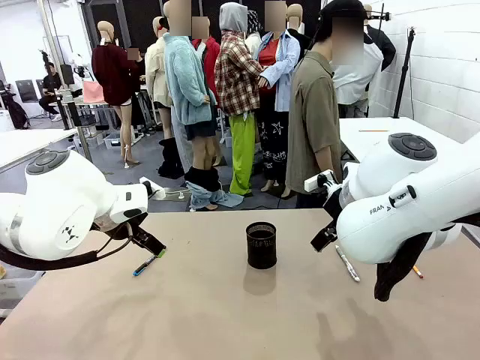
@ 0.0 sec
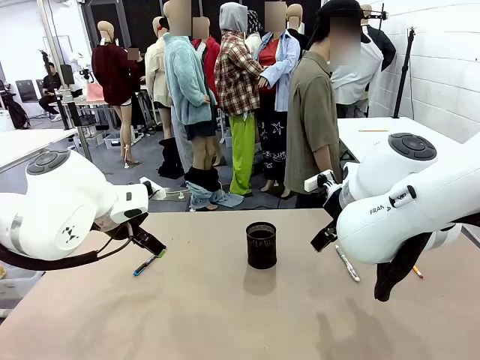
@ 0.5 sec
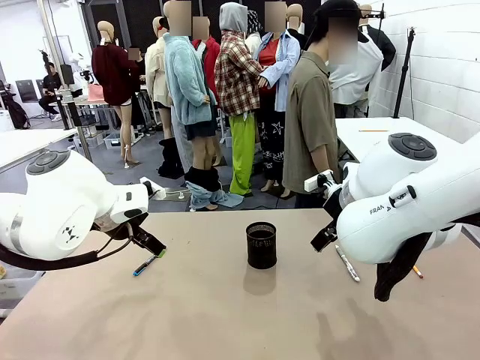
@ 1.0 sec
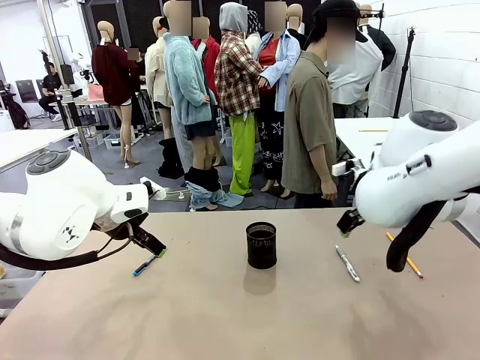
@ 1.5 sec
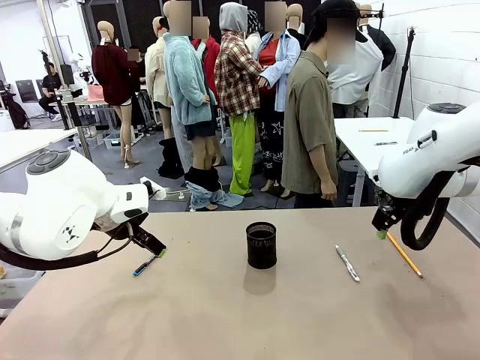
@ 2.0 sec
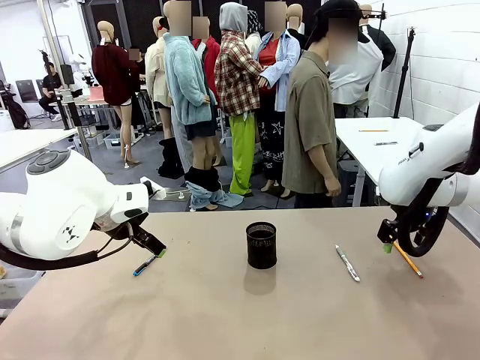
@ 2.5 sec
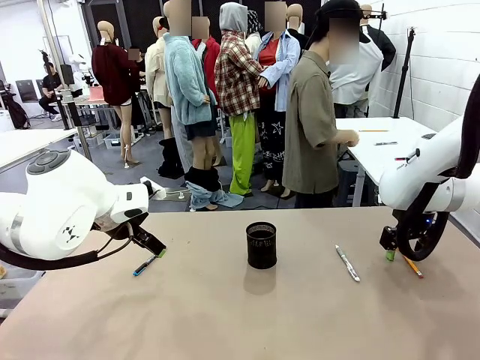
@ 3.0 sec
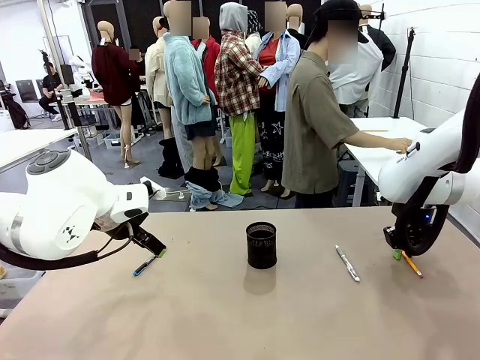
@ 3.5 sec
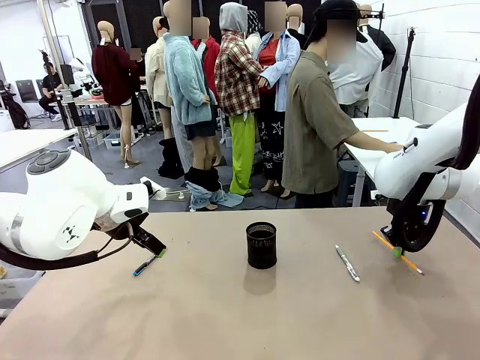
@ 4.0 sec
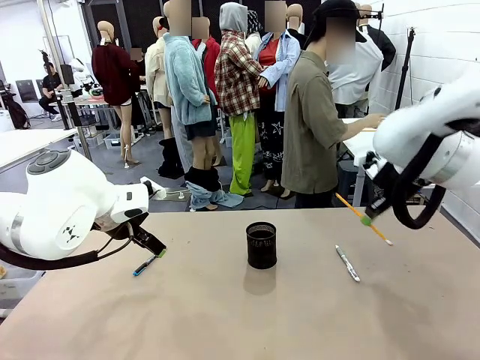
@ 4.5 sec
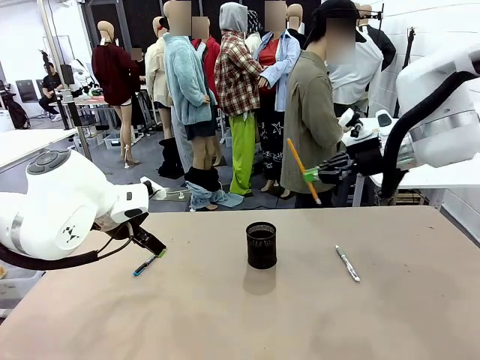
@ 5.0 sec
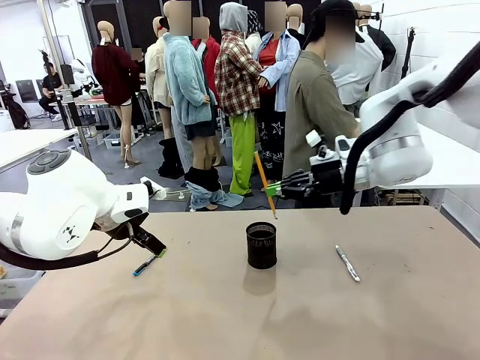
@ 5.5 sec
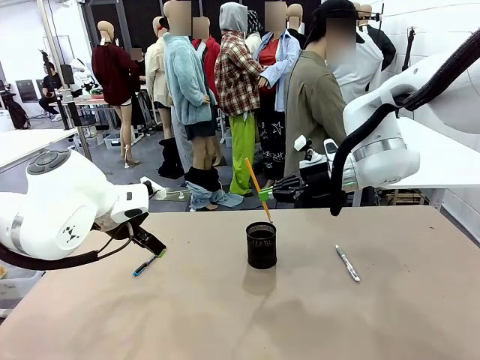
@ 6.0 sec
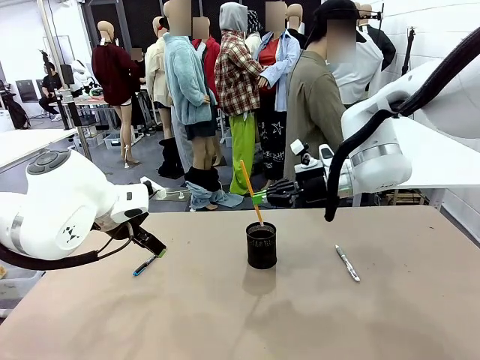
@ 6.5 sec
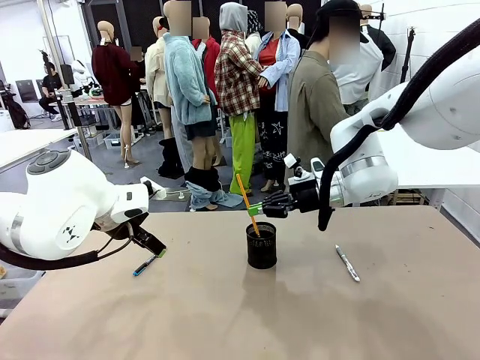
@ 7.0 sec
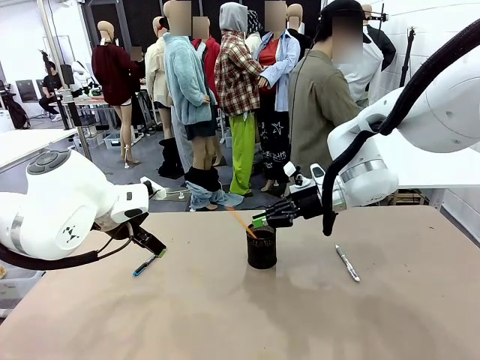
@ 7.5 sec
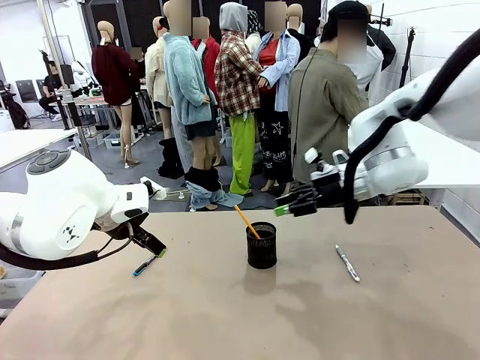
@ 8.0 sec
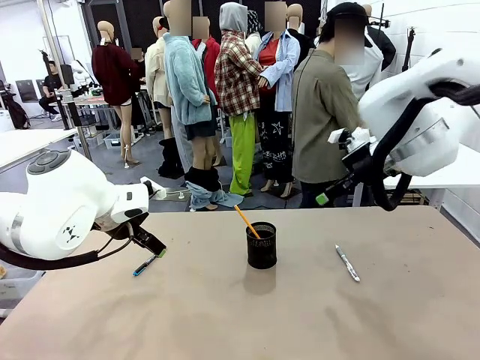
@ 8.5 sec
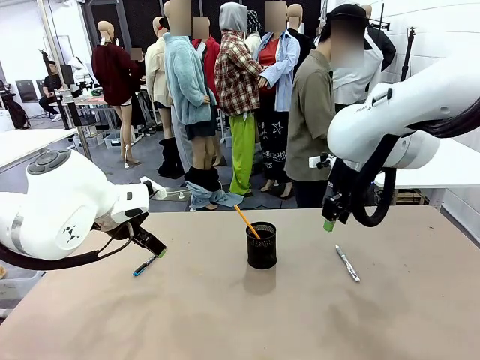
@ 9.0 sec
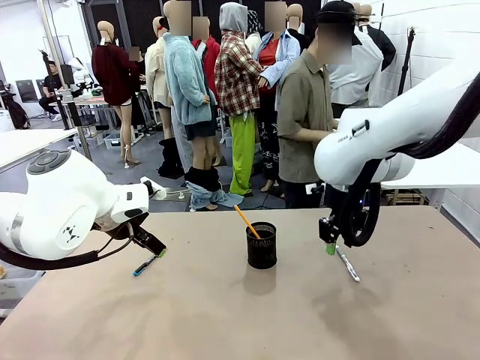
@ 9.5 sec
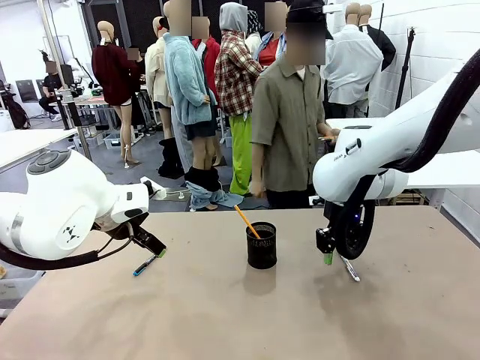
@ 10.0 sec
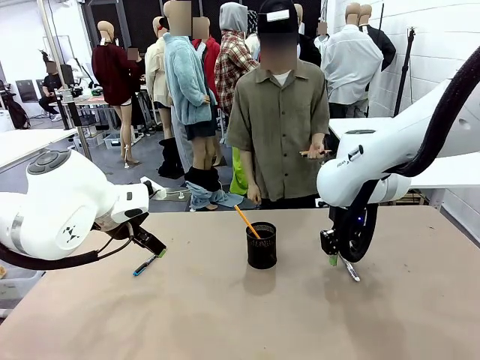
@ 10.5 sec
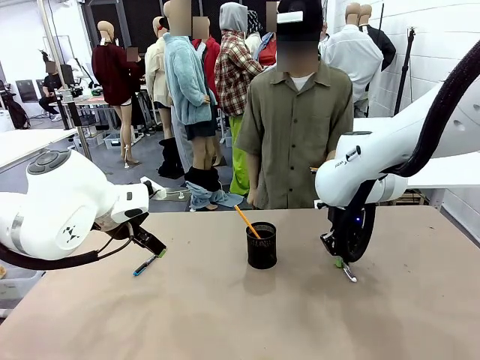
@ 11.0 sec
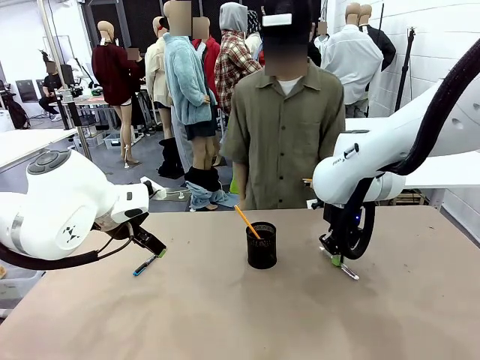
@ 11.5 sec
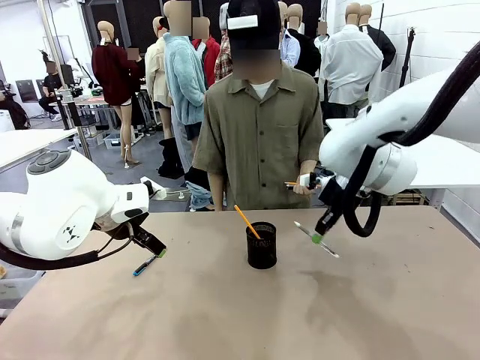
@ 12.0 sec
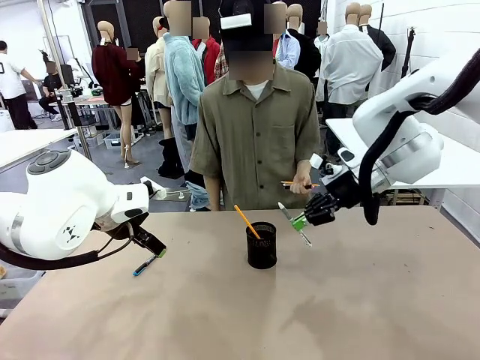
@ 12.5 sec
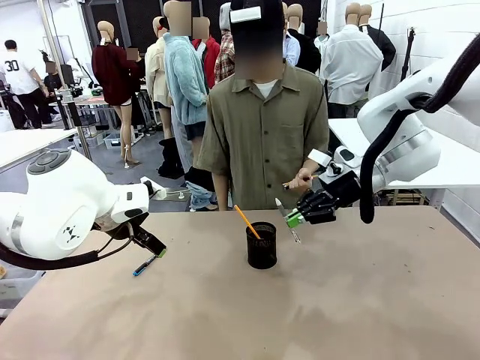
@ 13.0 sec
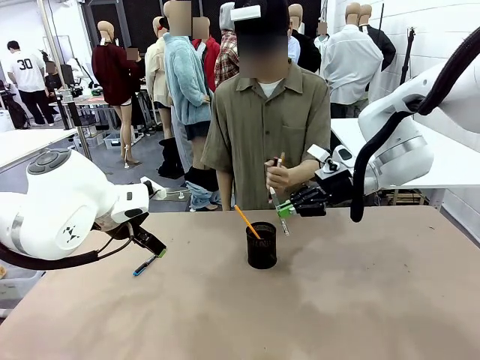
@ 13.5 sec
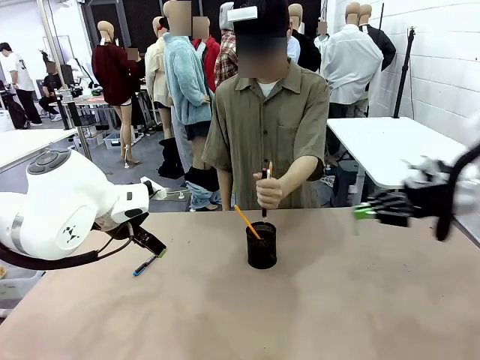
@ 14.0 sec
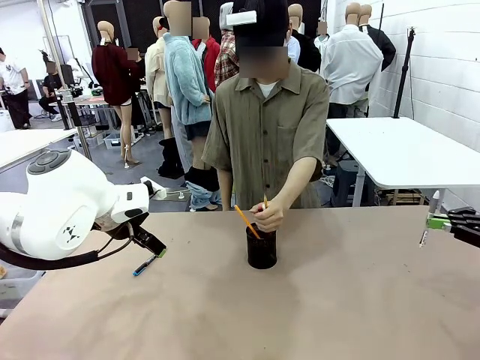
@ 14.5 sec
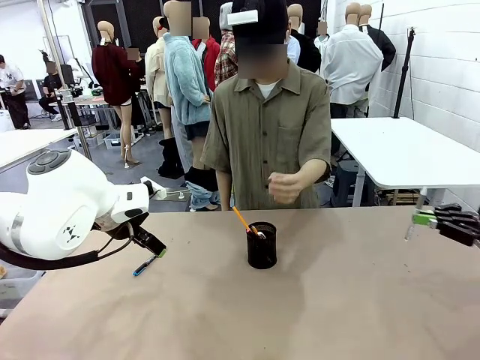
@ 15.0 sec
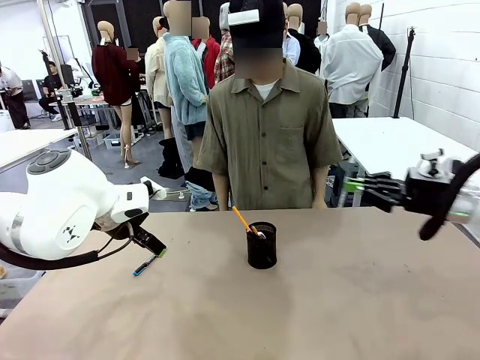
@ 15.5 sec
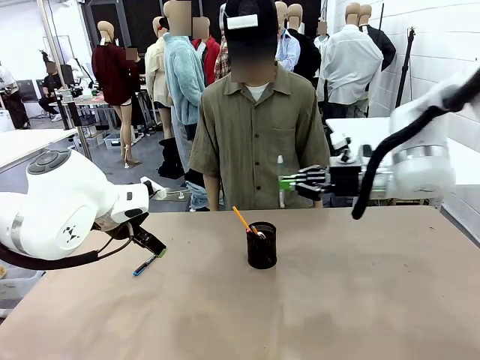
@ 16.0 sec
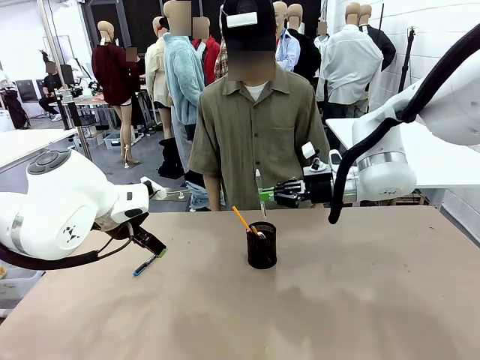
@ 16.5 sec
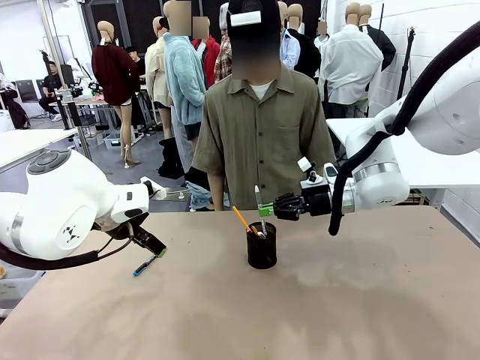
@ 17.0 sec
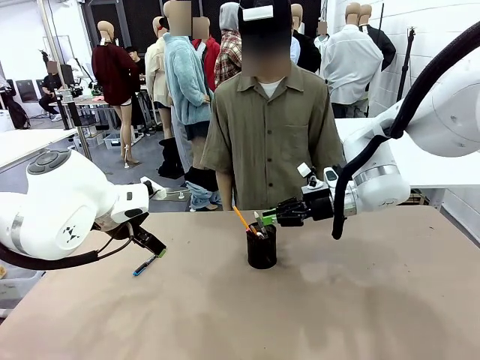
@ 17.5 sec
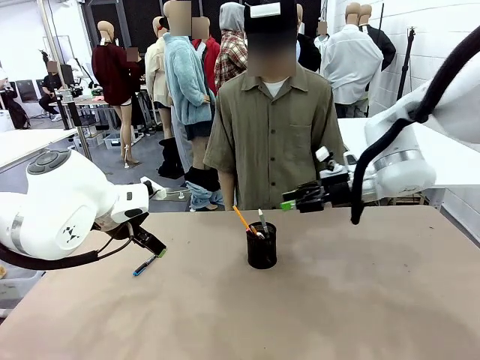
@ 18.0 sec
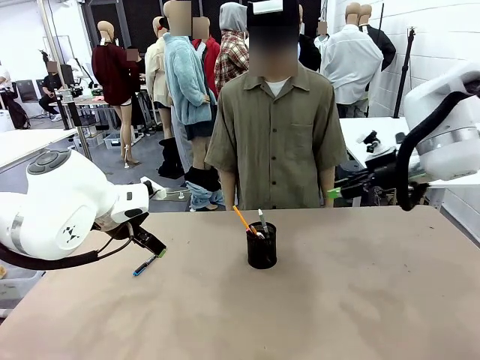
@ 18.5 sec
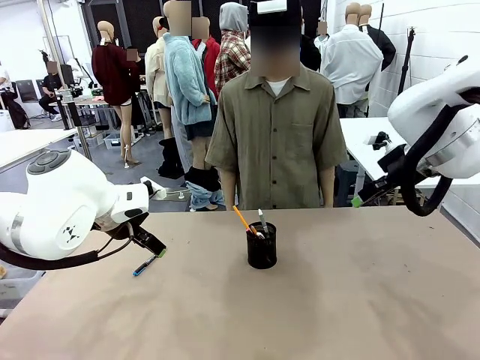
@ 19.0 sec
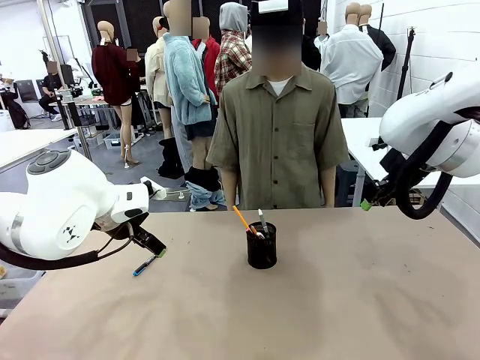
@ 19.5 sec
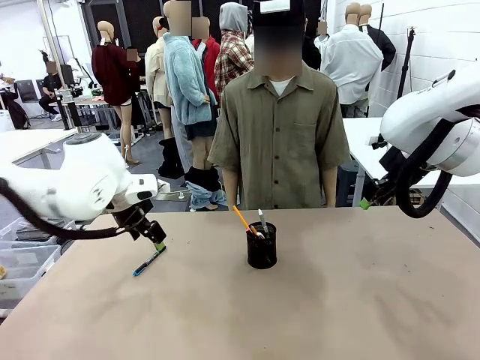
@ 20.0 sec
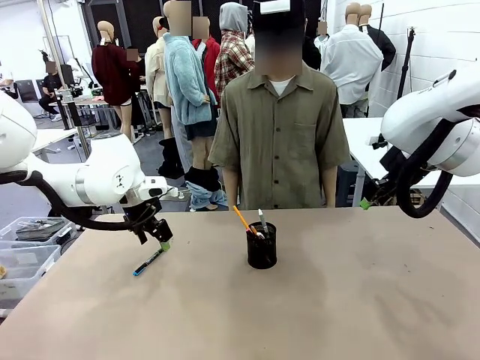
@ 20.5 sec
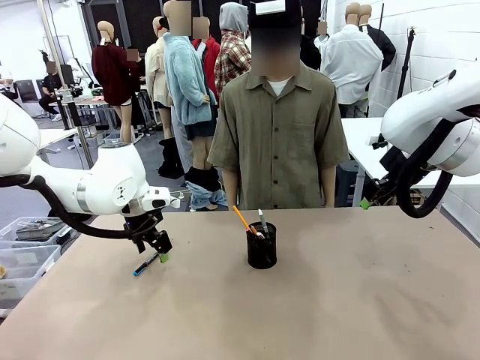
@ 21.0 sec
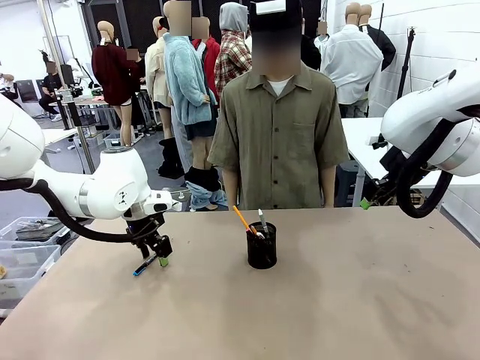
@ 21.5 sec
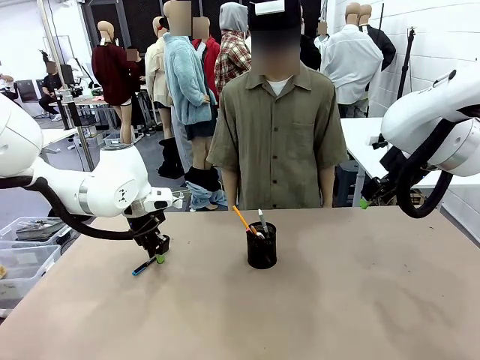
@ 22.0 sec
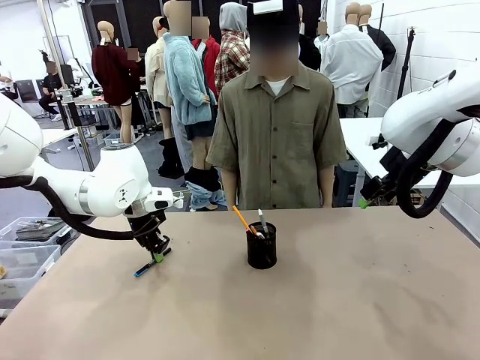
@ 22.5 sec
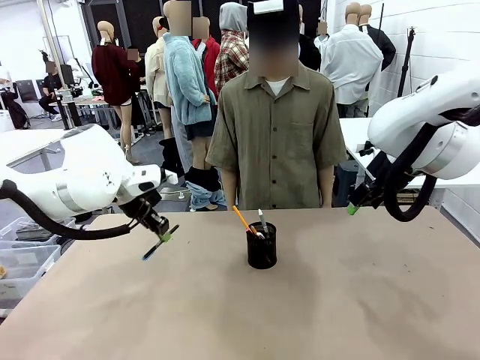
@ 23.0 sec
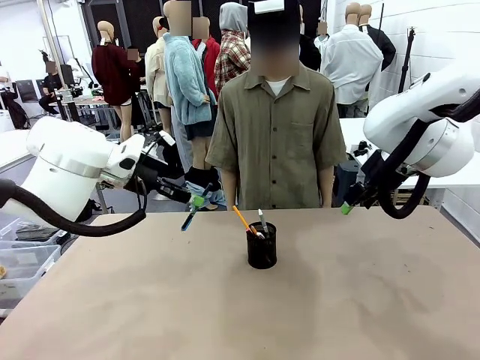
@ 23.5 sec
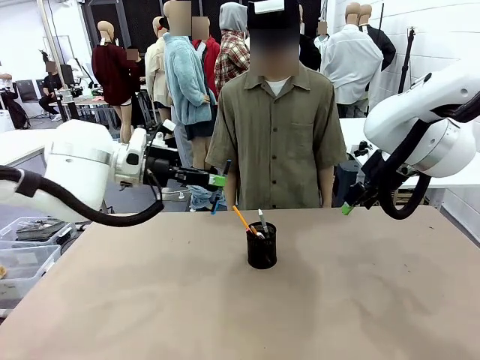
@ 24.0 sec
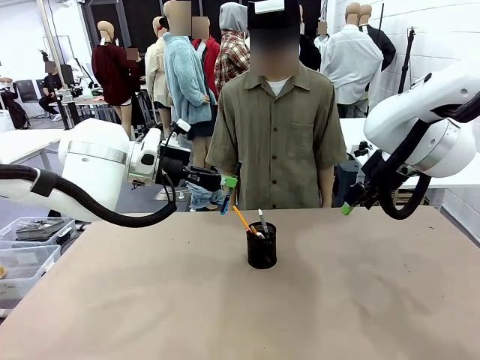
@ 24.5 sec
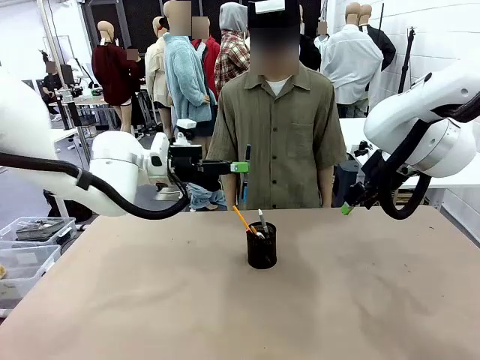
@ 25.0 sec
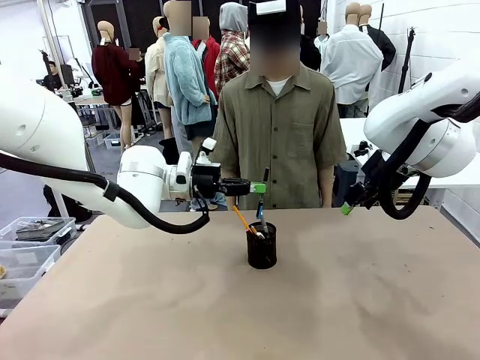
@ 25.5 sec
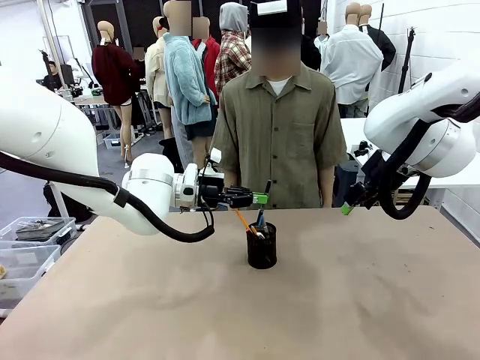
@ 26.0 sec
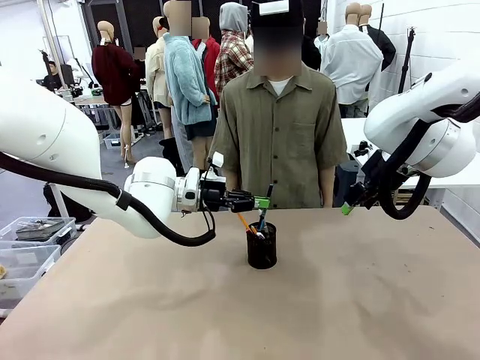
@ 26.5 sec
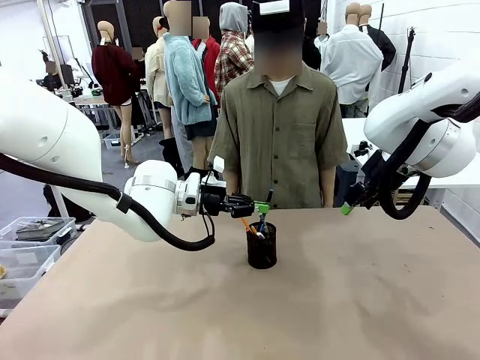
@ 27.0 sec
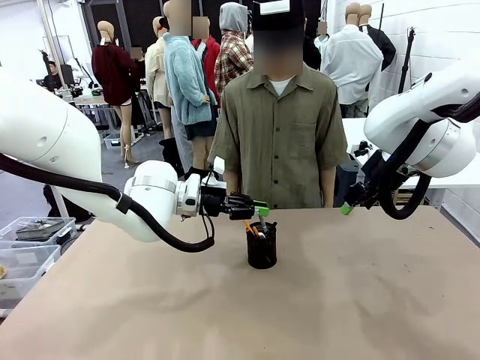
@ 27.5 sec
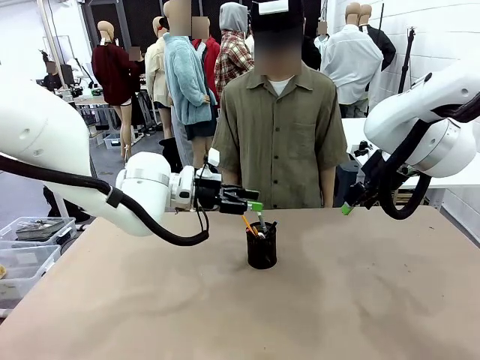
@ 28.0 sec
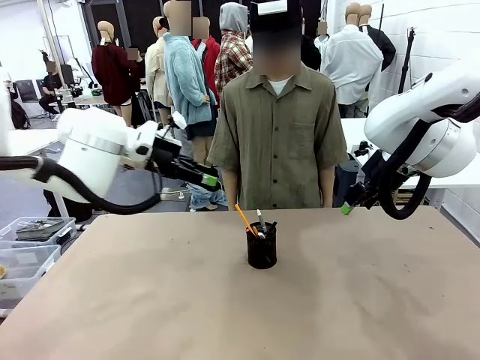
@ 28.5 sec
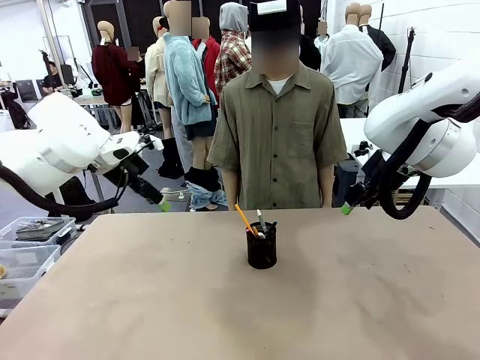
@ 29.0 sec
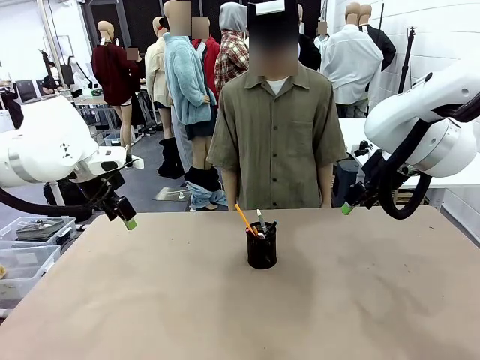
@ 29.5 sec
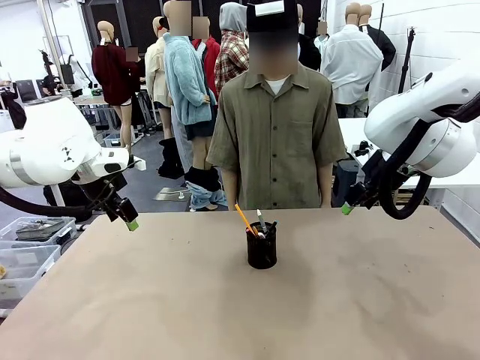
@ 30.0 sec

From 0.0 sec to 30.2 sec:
Task: Place the pens into the pen holder.
Robot: Pick up a writing instrument from the table and place it into the Pen holder.
Person: Pick up all writing instruments from the Human table. Place all writing instrument into the Pen holder.
